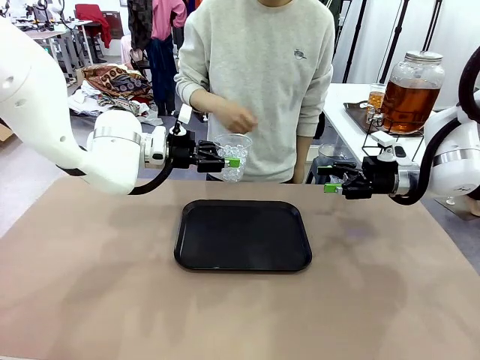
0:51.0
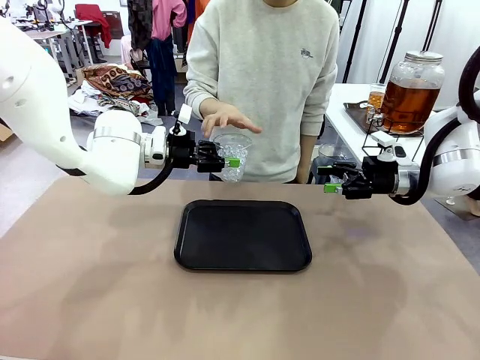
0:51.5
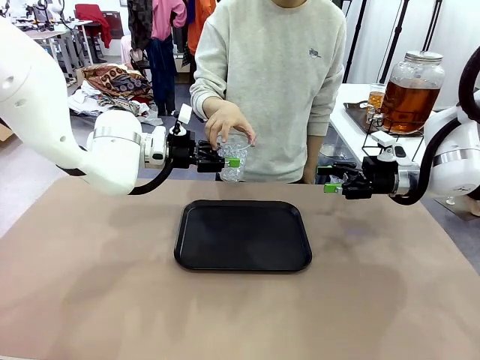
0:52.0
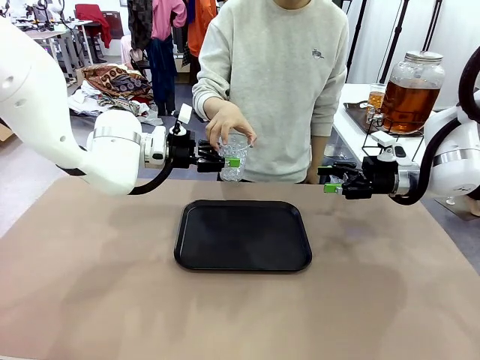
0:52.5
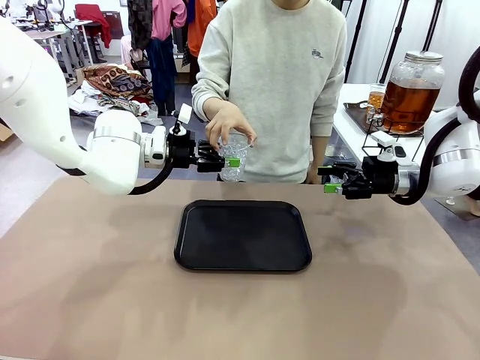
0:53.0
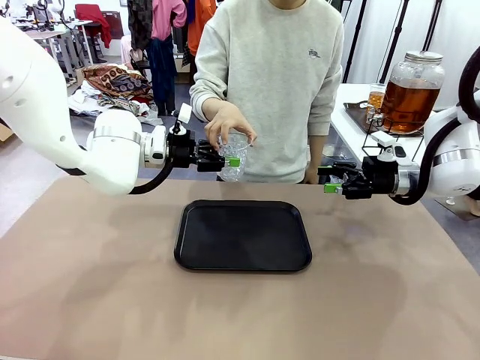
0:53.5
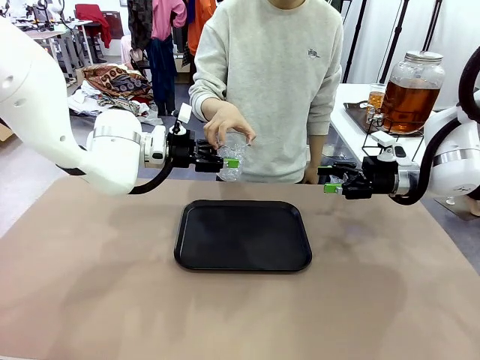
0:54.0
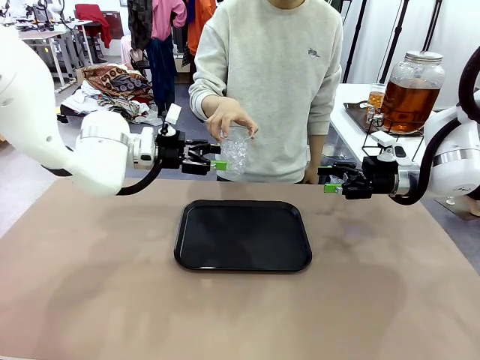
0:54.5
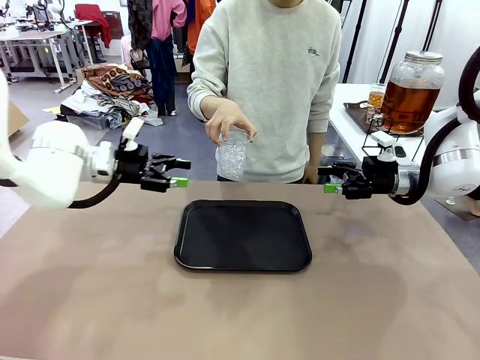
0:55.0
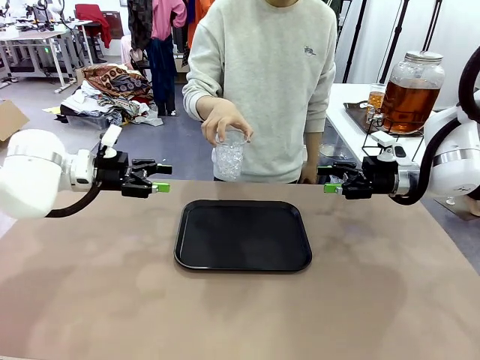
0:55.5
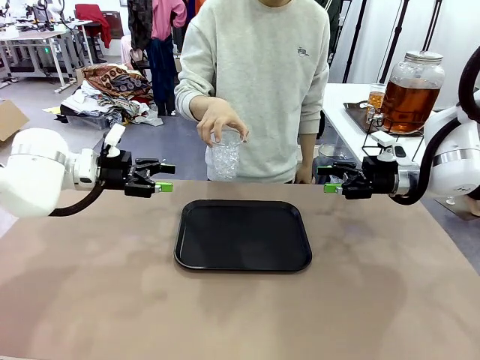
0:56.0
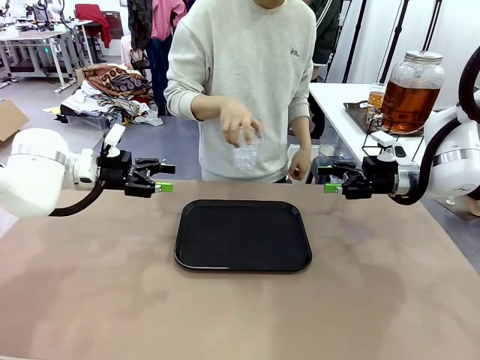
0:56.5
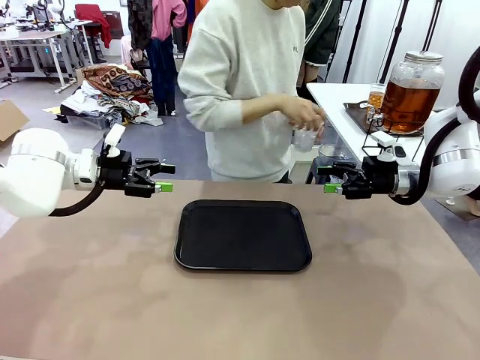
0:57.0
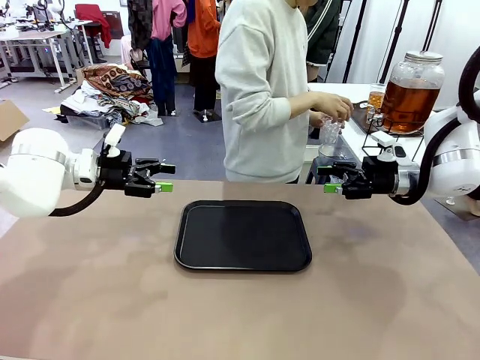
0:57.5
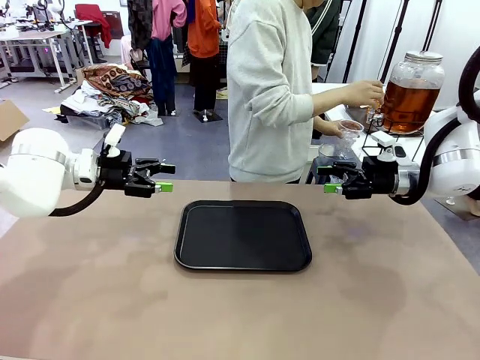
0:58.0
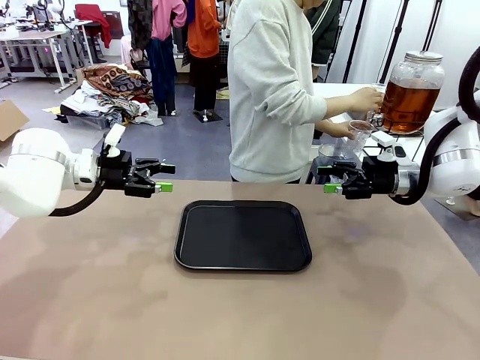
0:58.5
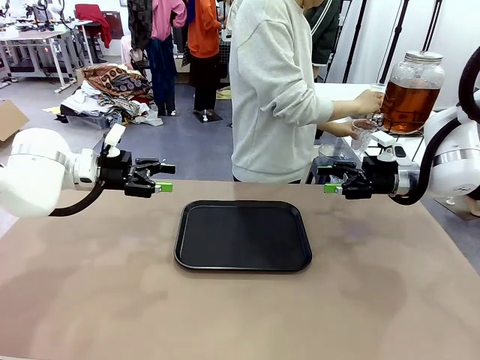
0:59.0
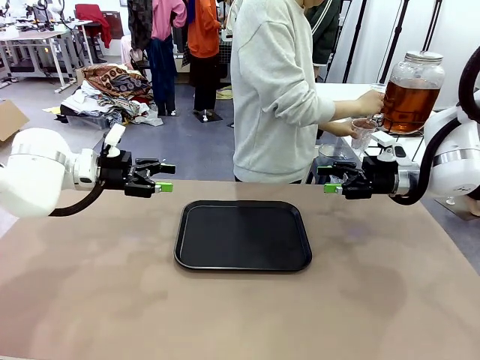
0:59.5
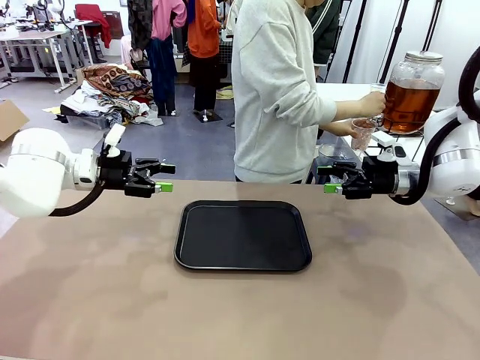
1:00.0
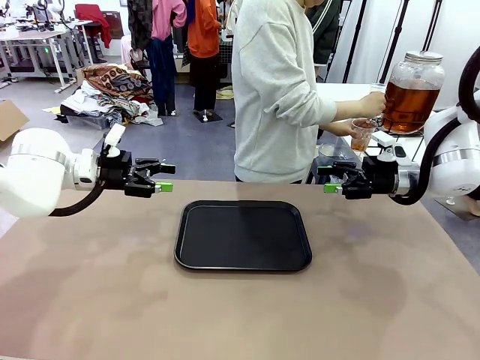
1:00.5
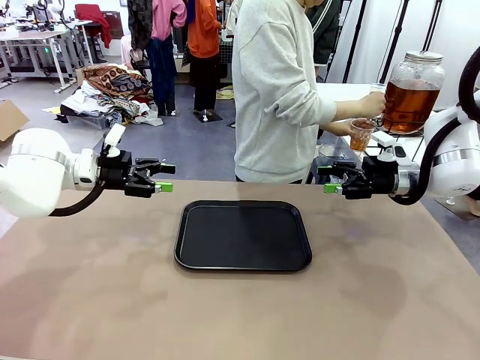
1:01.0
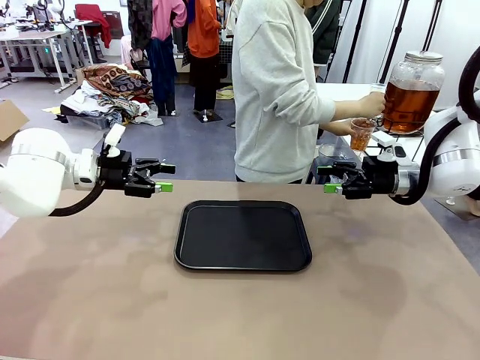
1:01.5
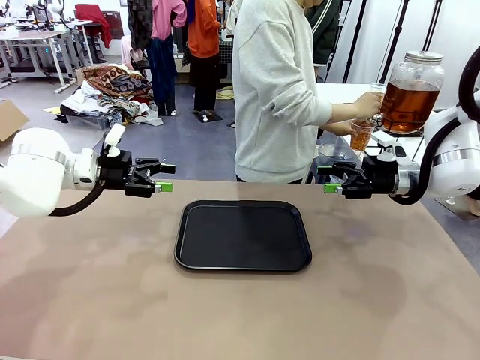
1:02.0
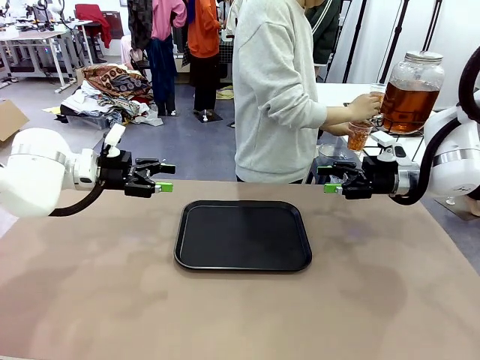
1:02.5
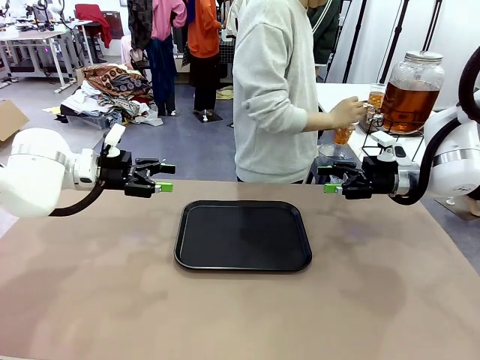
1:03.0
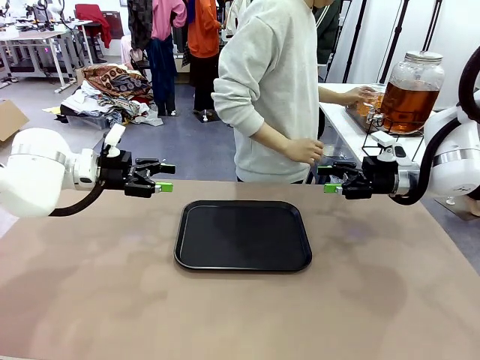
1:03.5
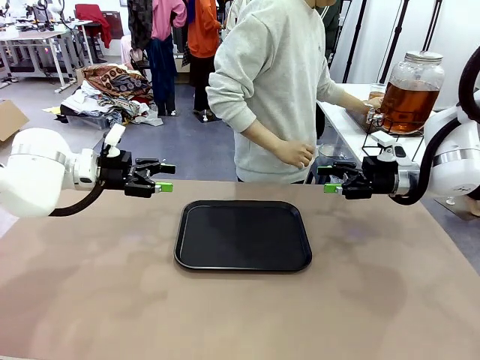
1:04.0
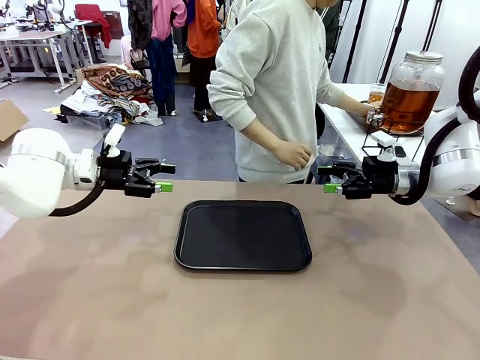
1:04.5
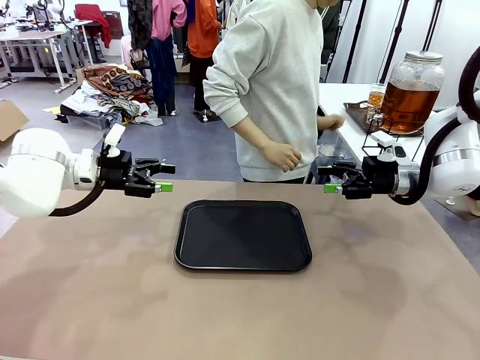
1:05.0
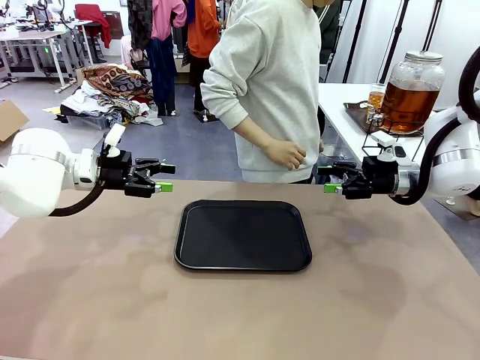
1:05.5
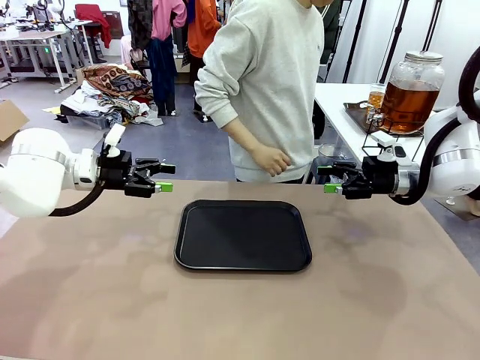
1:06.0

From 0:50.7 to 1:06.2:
Task: Pour the drink into the iced cup.
Robot: Open the gripper to release the iced cup you were holding.
Person: Move the picked-up cup under the dispenser faucet, pour the drink, and place it on the tray on the human table.

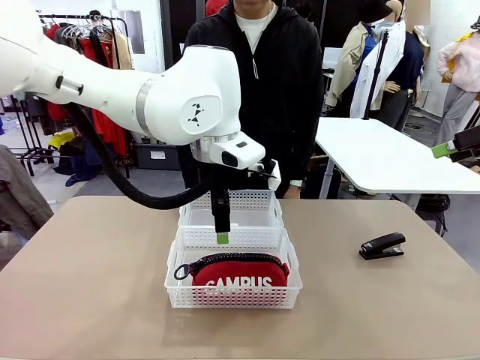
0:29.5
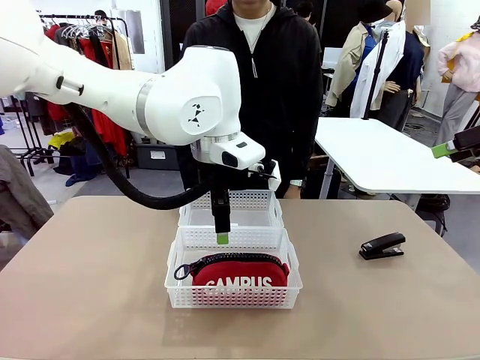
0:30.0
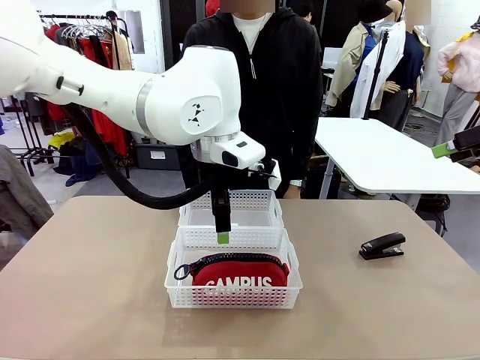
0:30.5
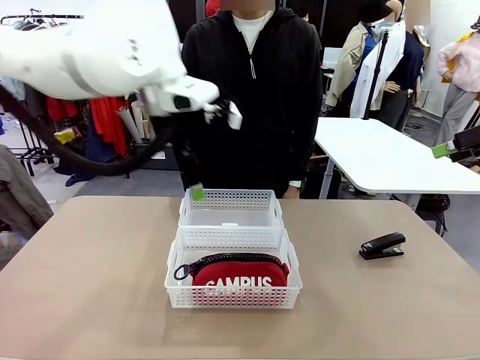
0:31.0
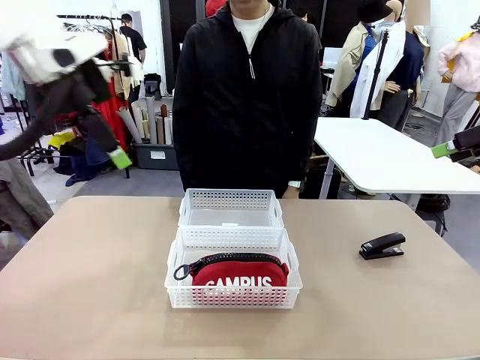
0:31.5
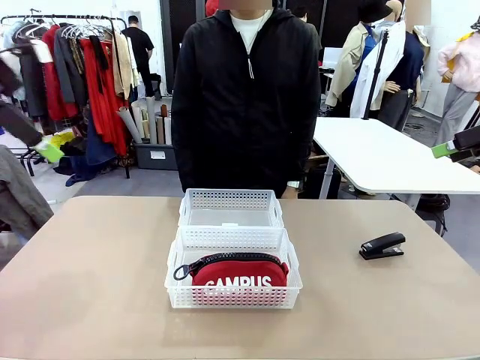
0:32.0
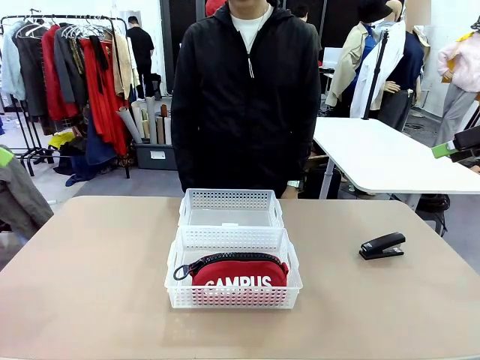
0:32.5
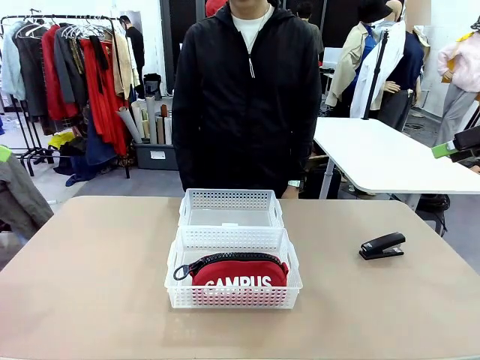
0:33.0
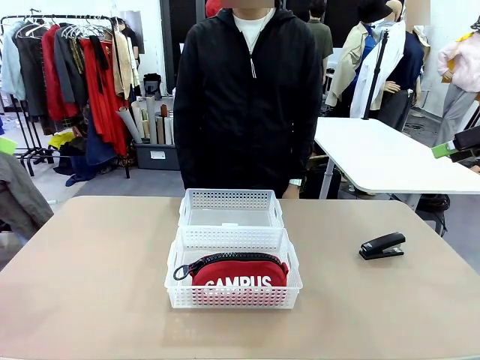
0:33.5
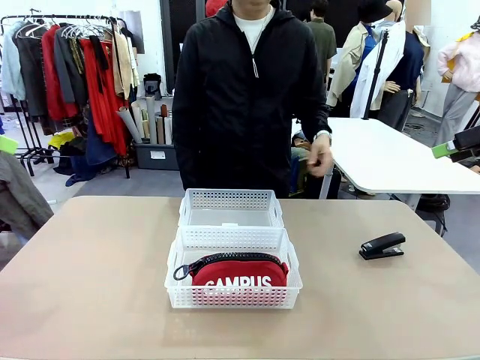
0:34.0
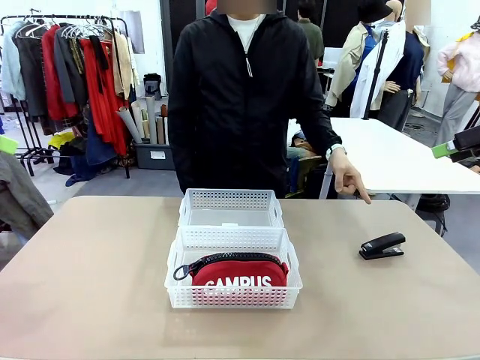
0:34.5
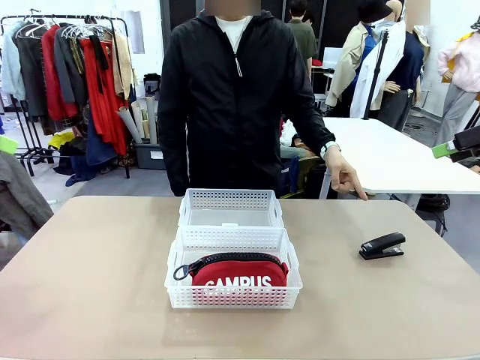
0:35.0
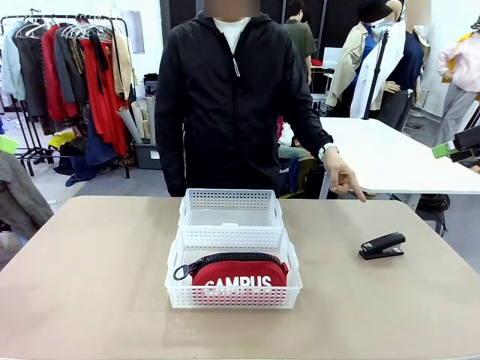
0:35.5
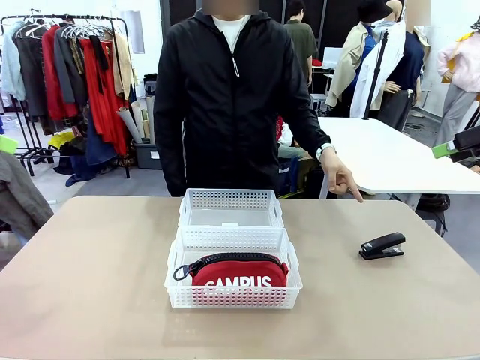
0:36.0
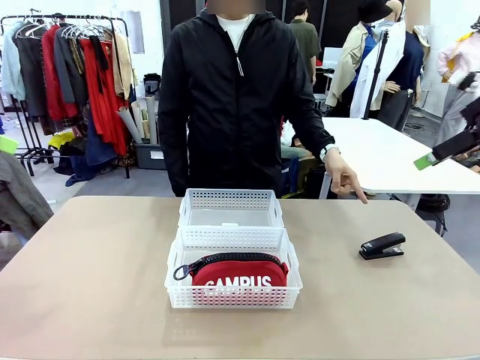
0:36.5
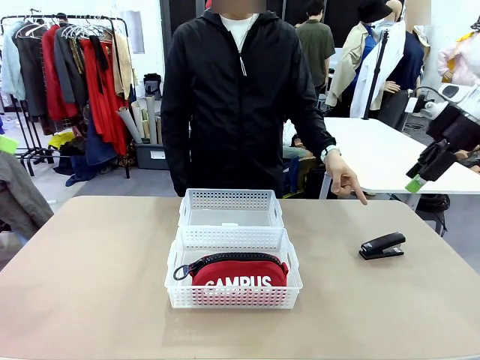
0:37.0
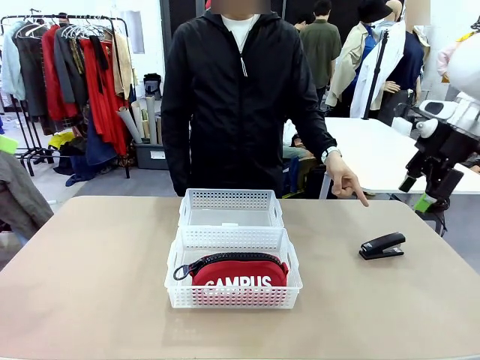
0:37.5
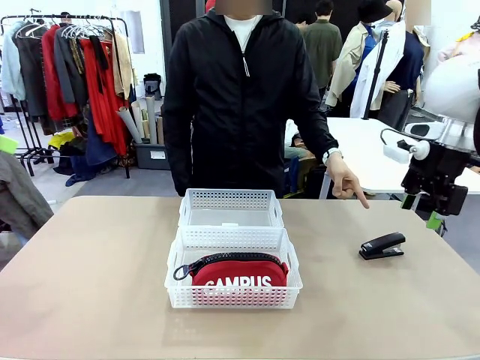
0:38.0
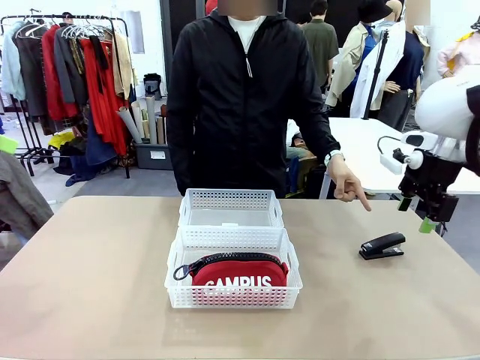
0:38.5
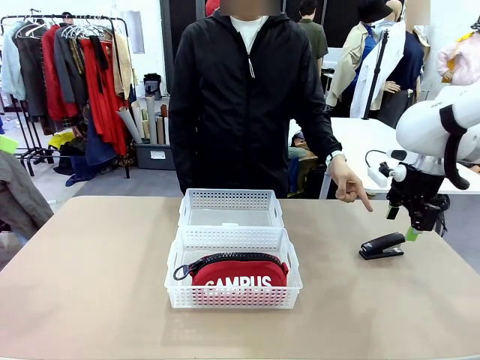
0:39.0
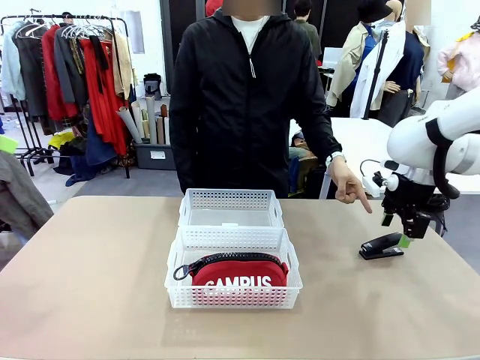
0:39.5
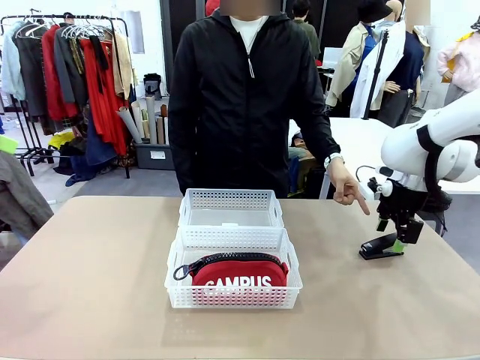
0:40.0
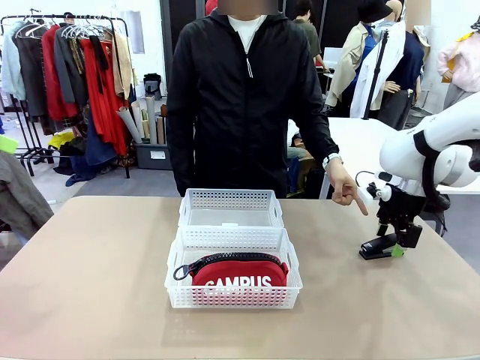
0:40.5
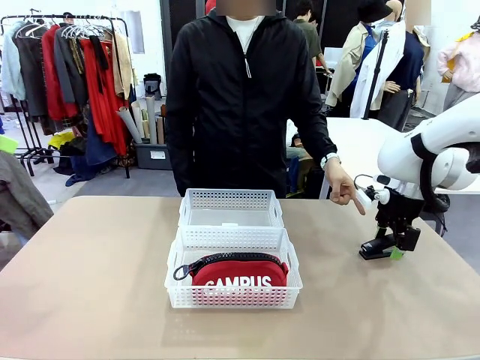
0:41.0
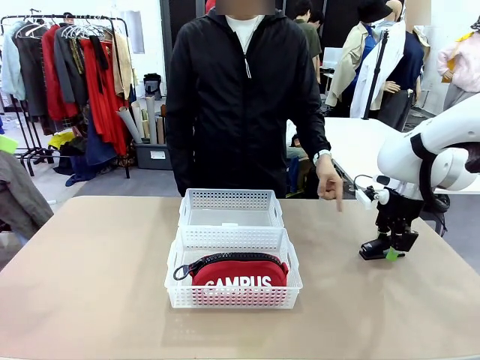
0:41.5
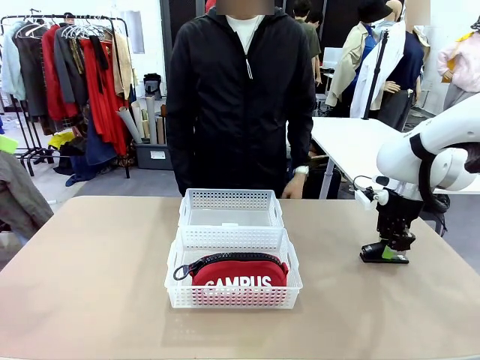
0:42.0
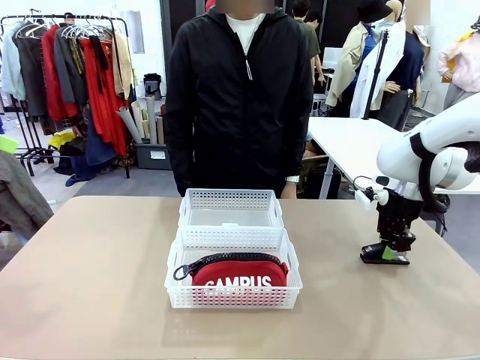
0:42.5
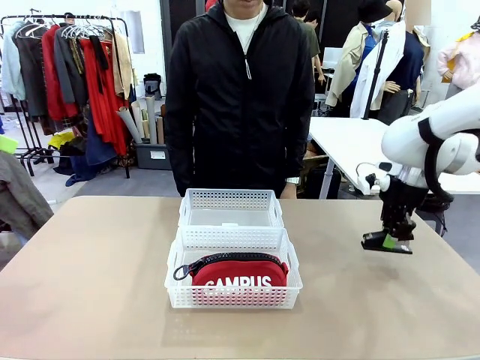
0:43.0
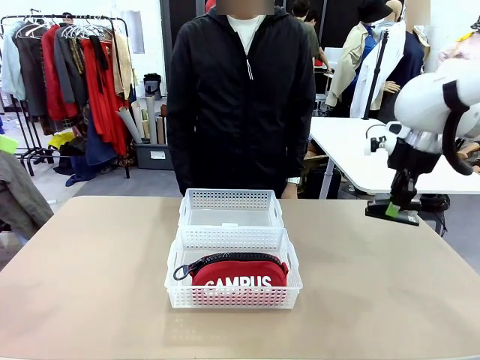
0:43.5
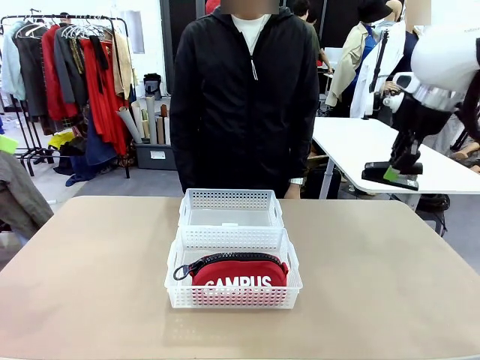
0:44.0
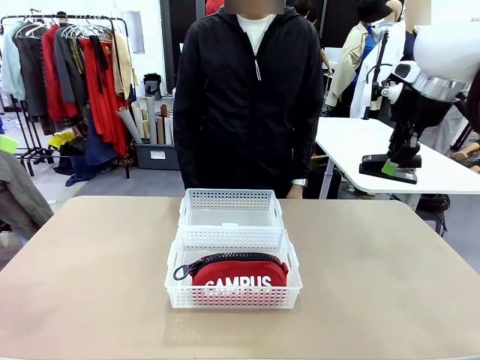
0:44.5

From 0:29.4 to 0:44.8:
Task: Distribute items into two baskets.
Robot: Pick up the Stapler that the person points to.
